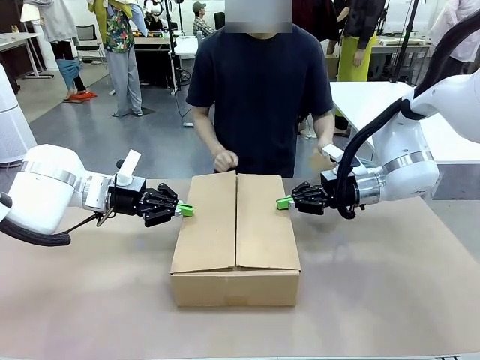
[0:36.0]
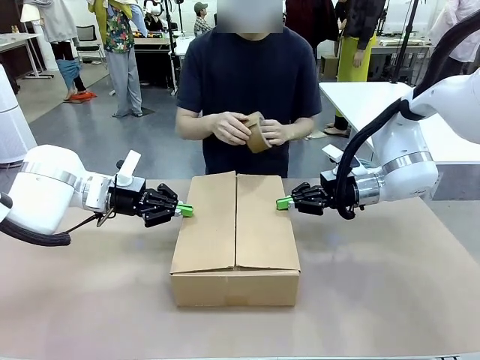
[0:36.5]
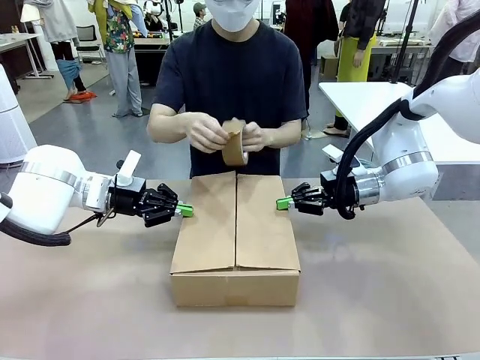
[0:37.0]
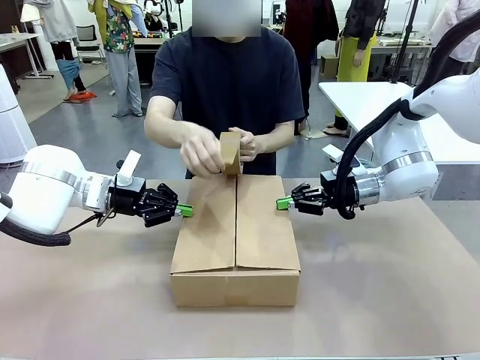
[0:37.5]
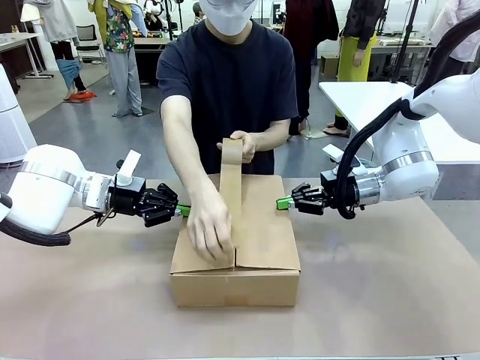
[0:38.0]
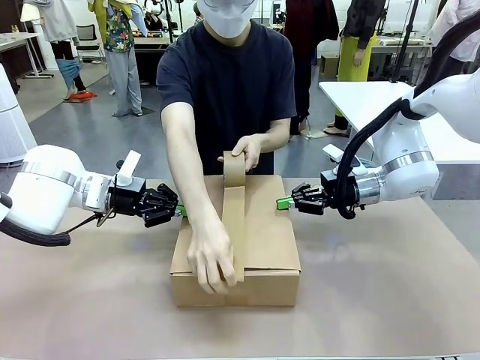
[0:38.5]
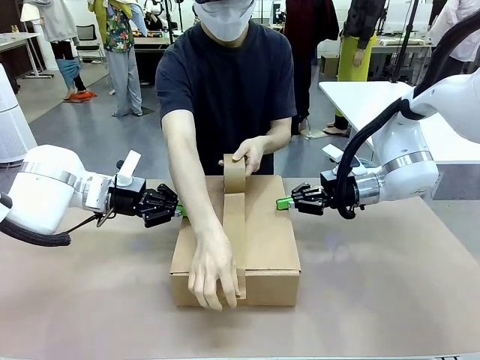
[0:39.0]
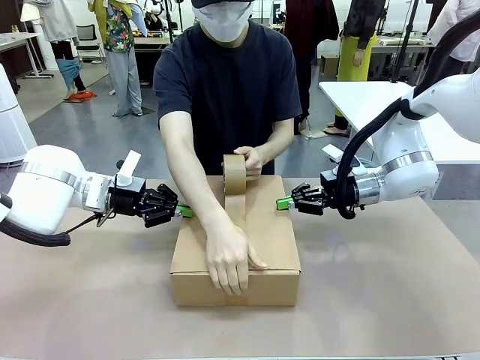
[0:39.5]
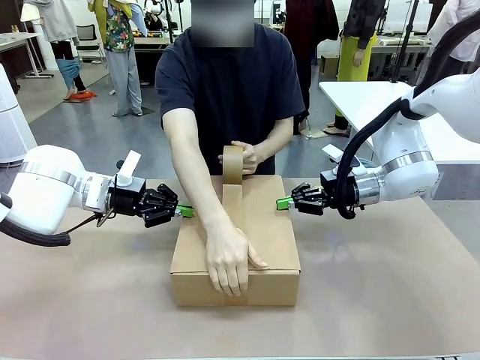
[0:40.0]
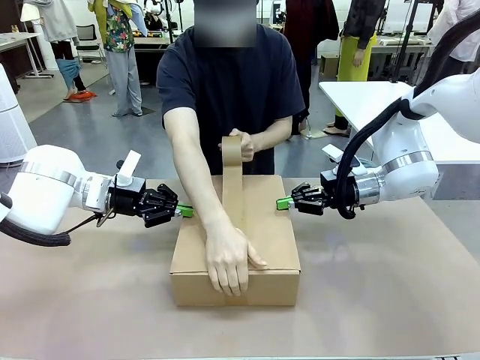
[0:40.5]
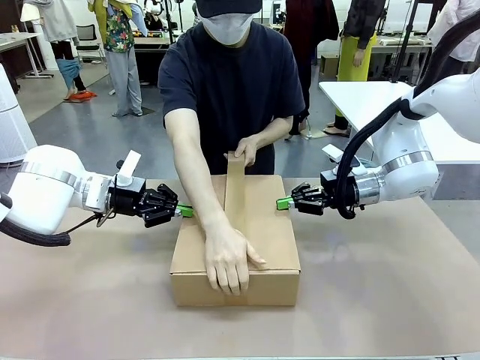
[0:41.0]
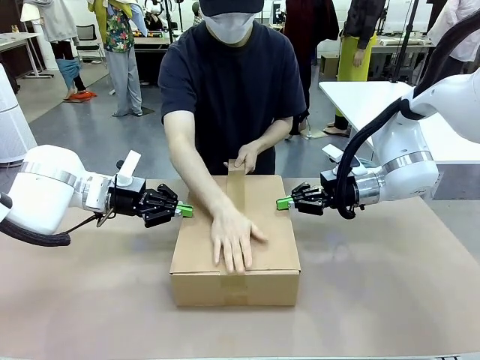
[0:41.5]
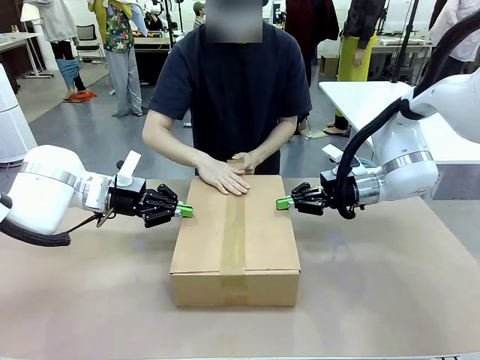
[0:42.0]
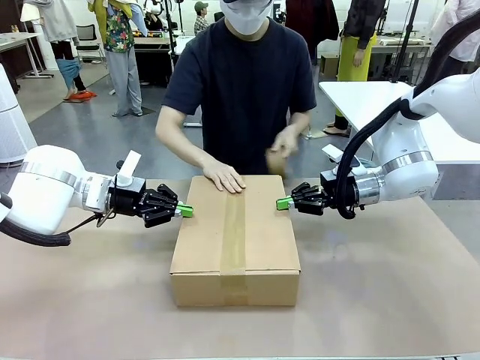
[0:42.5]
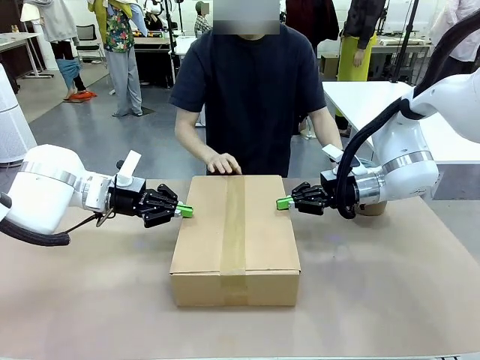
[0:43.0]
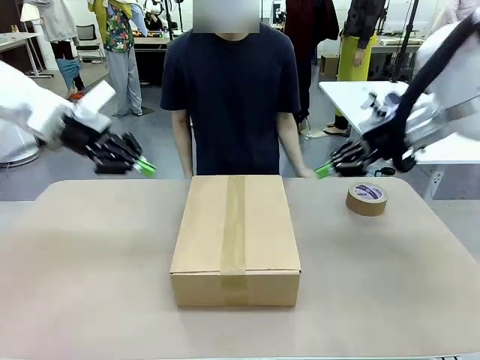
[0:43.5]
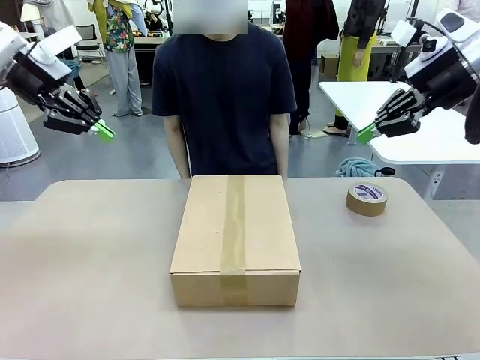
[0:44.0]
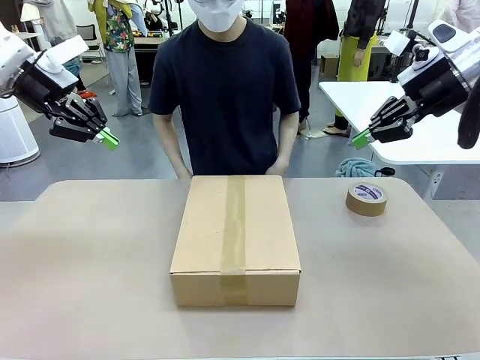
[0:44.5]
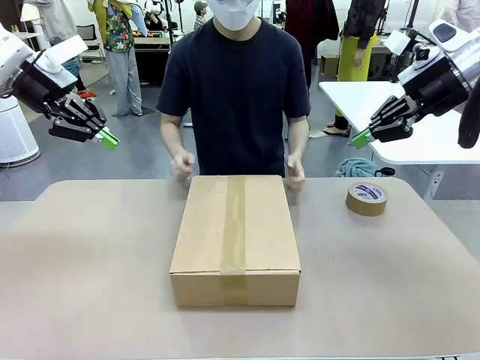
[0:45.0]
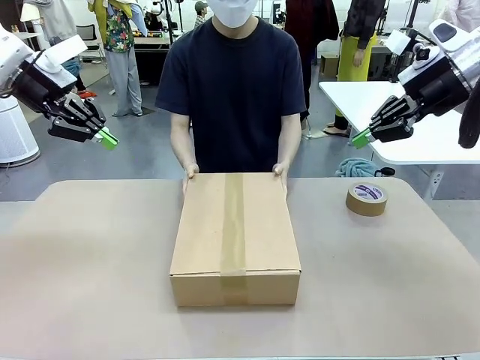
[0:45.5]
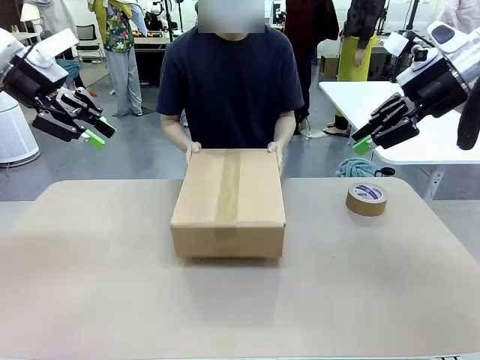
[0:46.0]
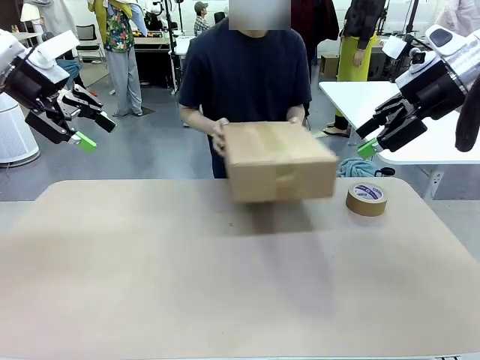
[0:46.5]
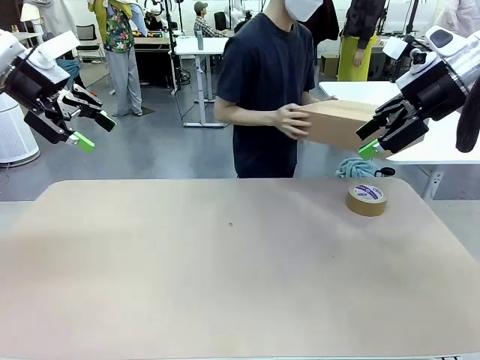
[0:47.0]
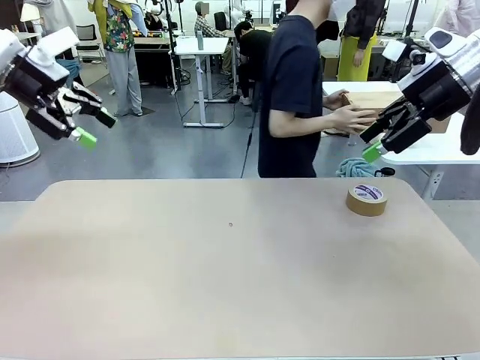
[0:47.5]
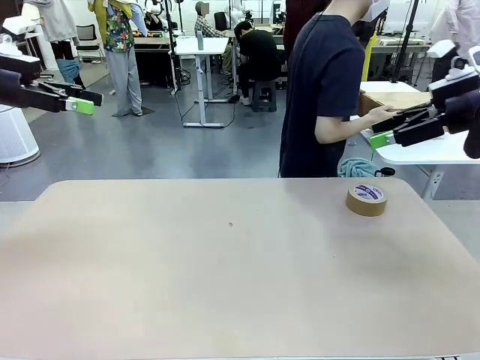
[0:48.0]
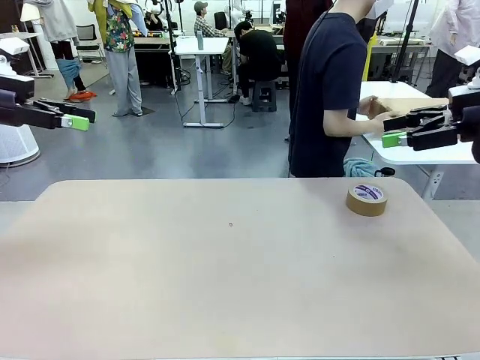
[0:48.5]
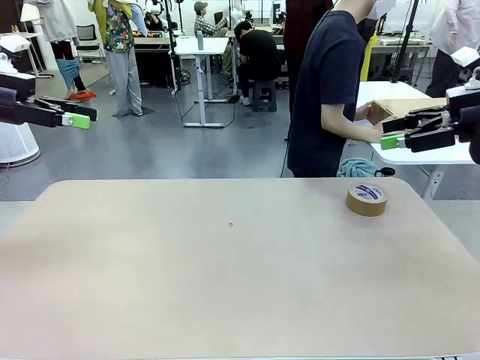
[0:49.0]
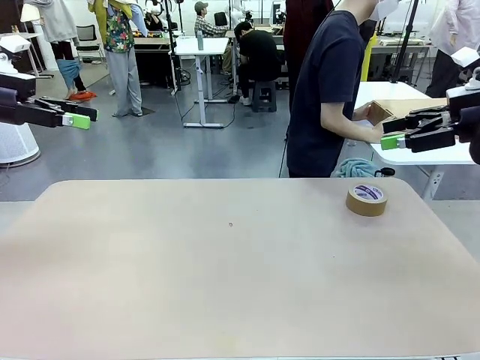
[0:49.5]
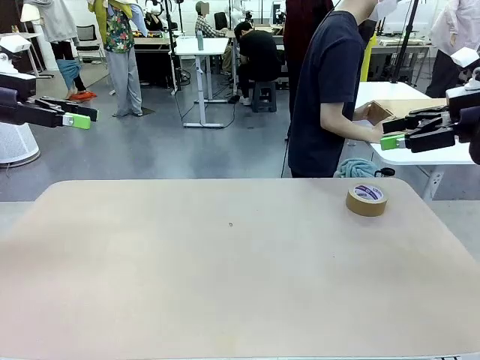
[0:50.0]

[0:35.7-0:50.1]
Task: Wrap the clocks to prevent damage.
Robot: After the human seals the box with tape, release both hands from the side flaps of the Package Box.
Person: Once the robot closes the left flap of the Package Box , seal the box with Paper Tape. Place sealed Package Box in the middle of the human's table.

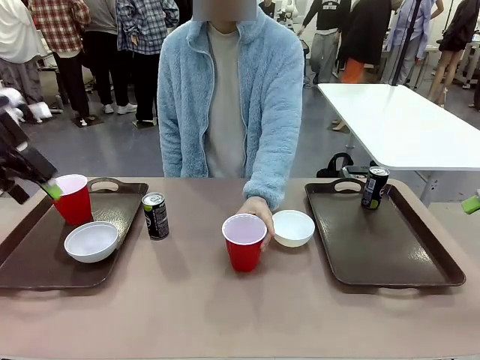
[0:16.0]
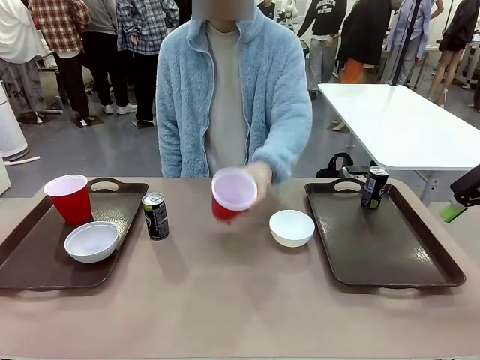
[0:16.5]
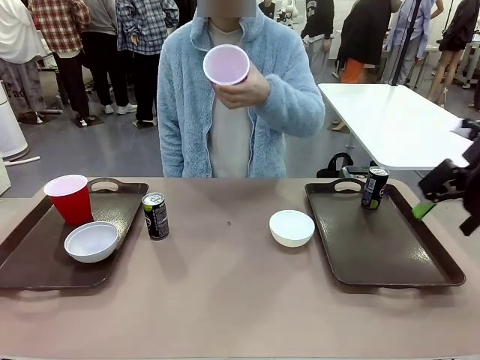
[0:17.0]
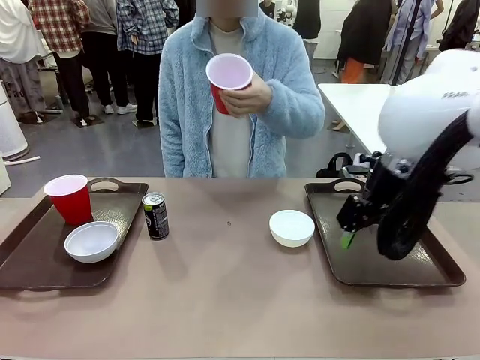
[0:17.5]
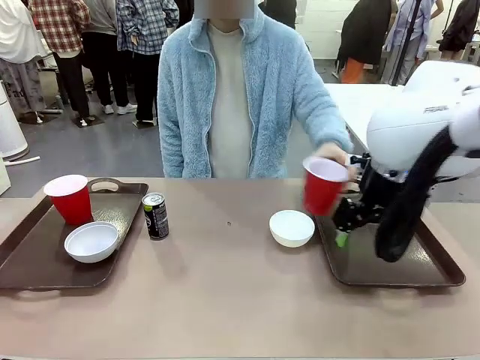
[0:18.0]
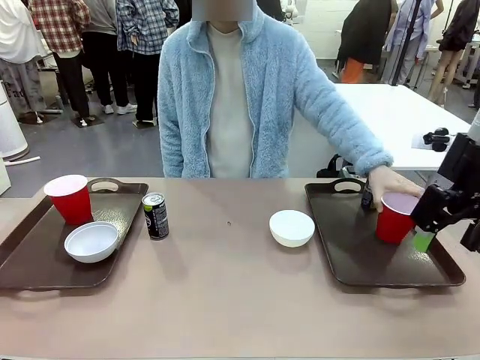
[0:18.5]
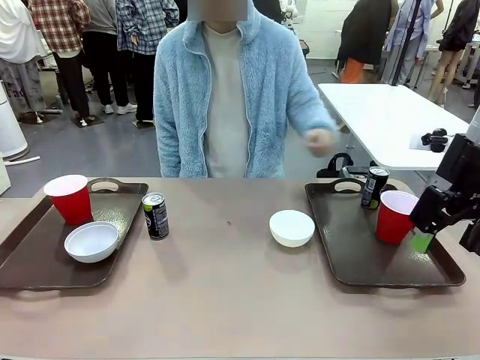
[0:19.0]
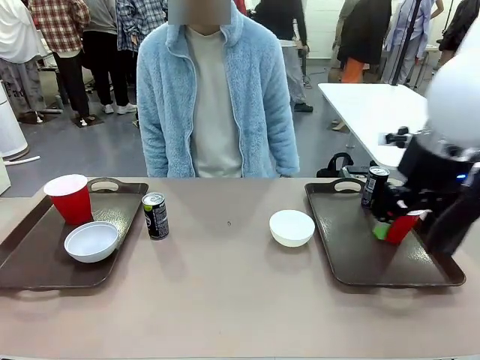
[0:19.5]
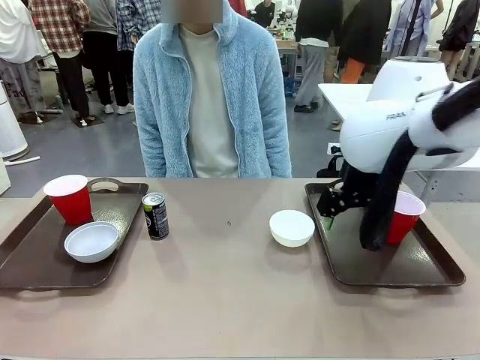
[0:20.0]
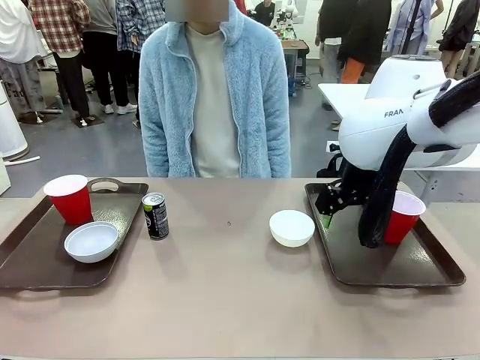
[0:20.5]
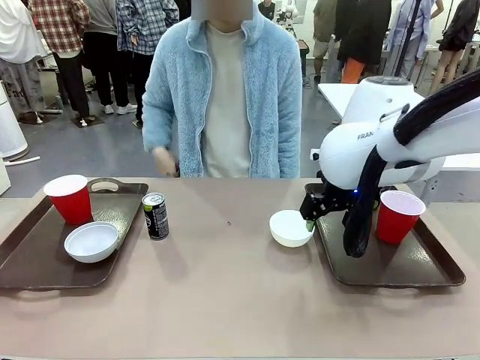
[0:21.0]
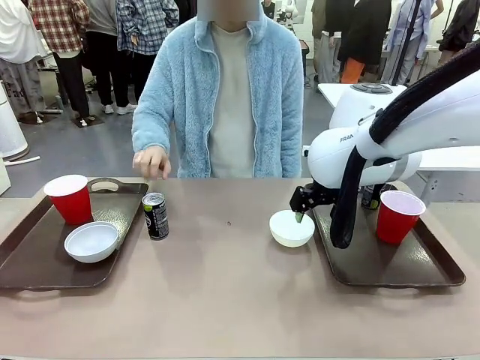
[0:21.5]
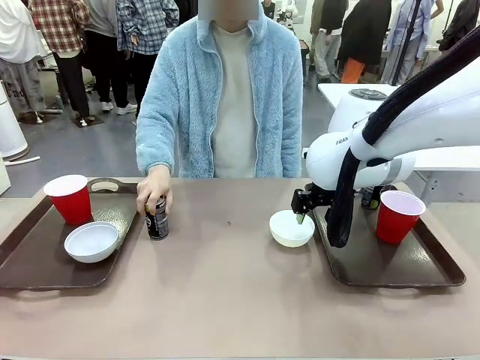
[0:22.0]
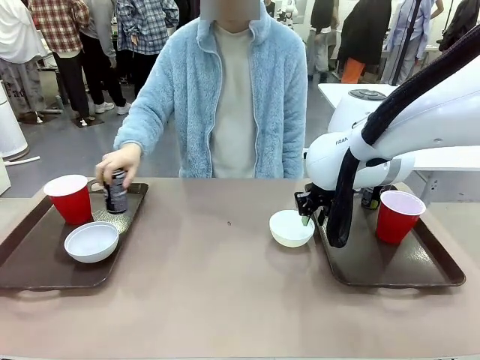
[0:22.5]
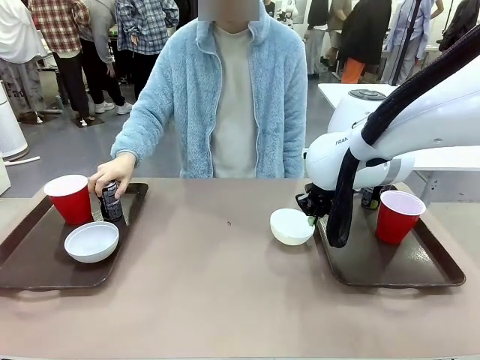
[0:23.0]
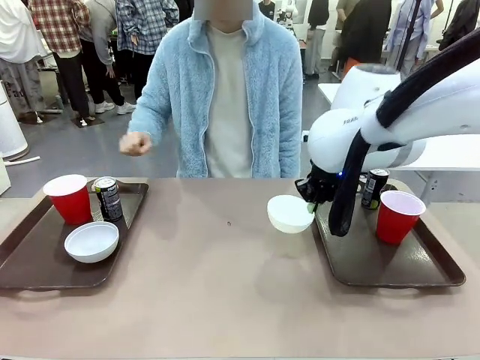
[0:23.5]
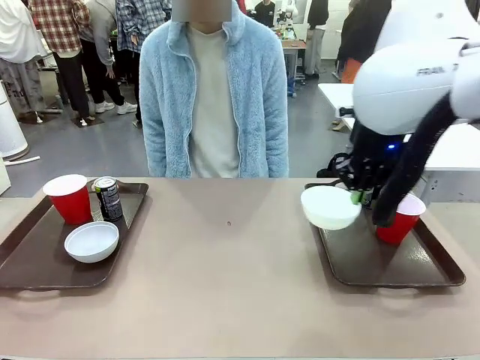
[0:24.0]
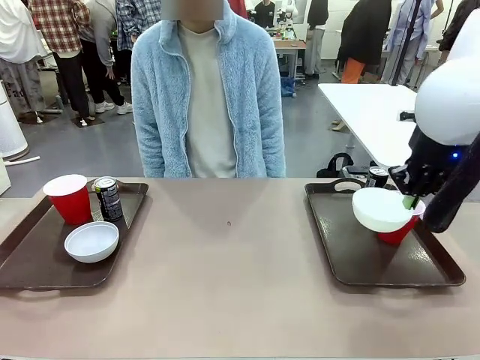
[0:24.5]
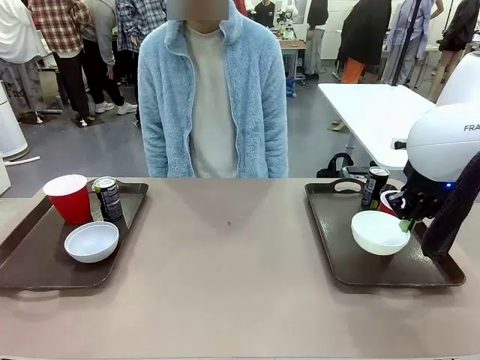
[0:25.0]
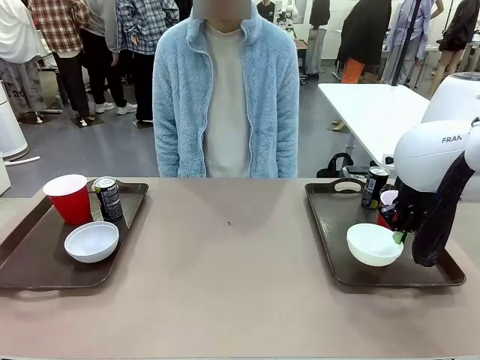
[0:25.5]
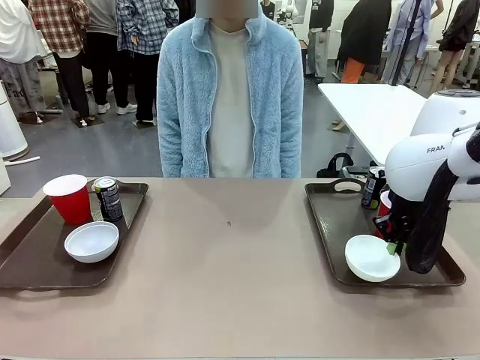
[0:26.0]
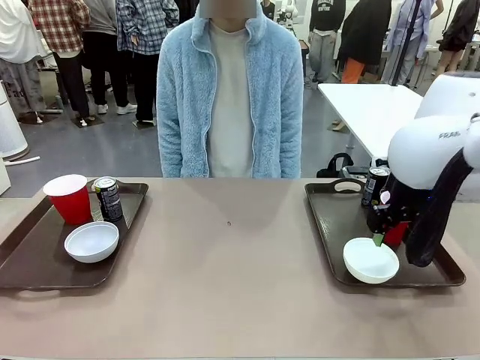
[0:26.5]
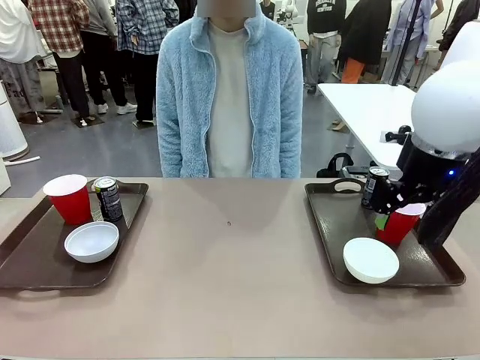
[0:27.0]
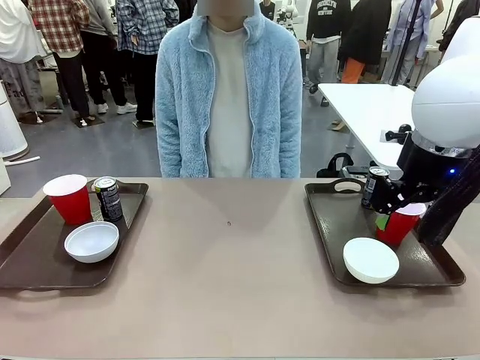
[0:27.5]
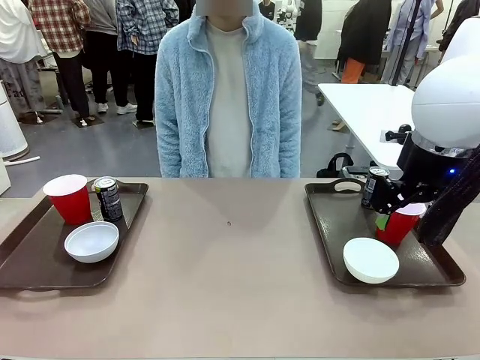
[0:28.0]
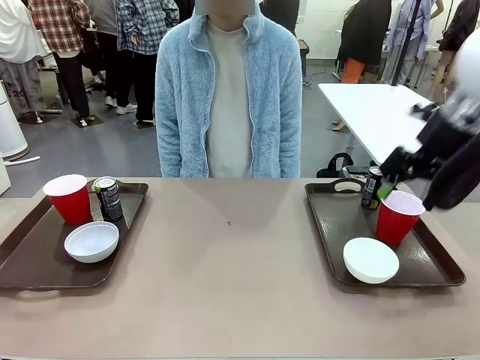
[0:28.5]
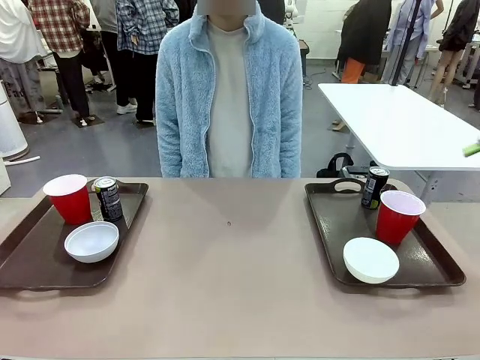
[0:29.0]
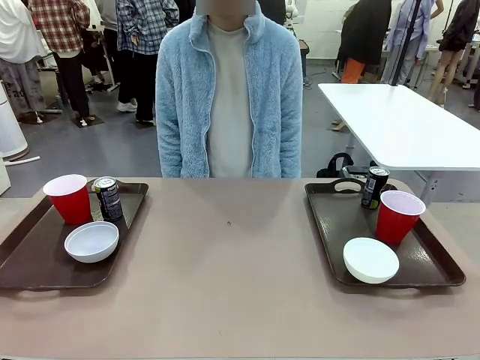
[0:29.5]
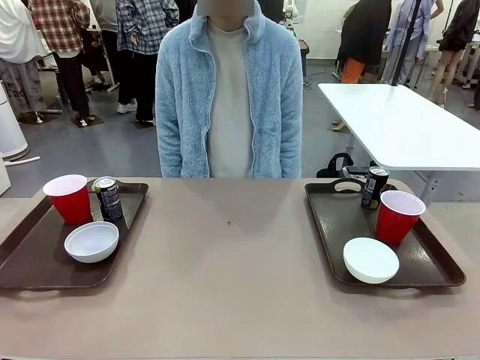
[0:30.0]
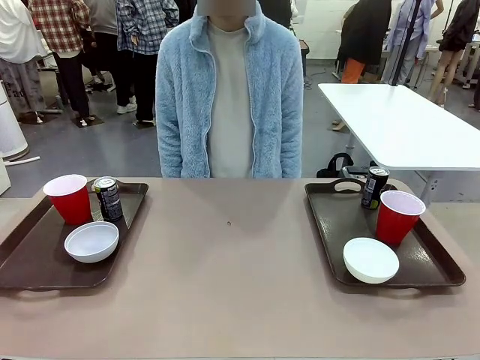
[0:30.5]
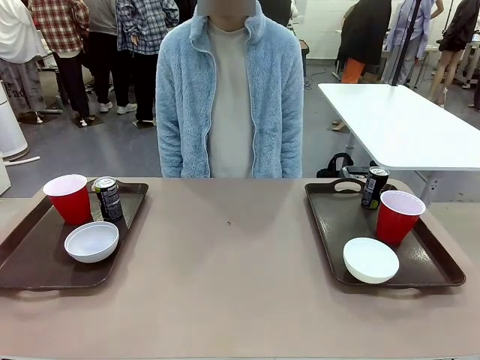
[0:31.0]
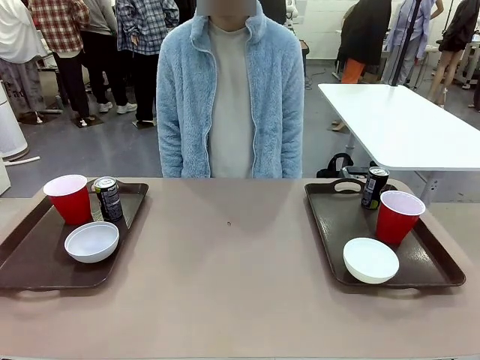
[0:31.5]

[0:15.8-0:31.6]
Task: Prepare tableware on both trays.
Robot: Pick up a Picnic Bowl from the table and place it on a Handle tray.
Person: Pick up a can or cup and place it on the tray without a can or cup.
